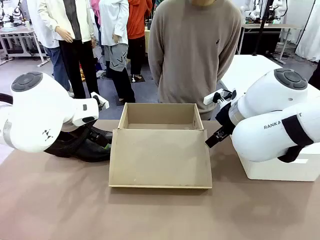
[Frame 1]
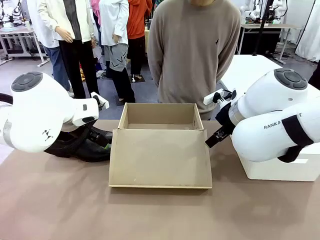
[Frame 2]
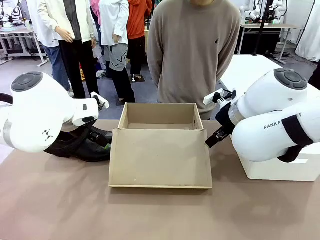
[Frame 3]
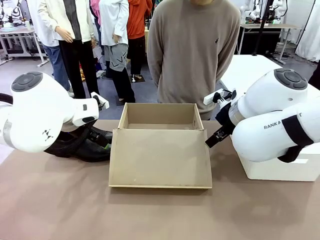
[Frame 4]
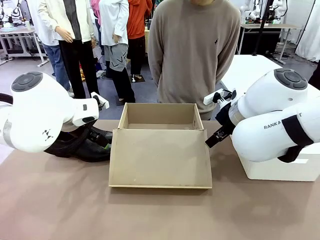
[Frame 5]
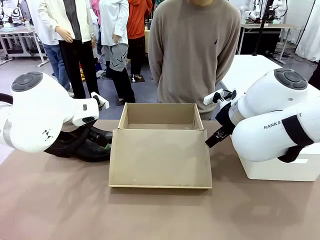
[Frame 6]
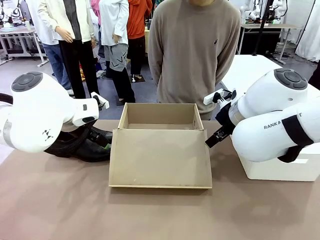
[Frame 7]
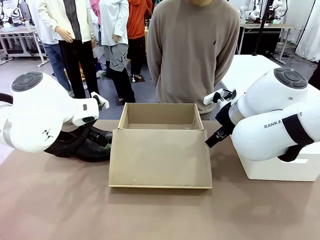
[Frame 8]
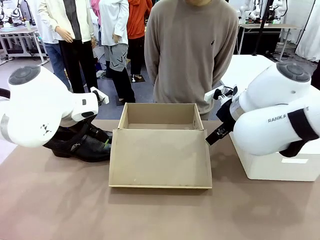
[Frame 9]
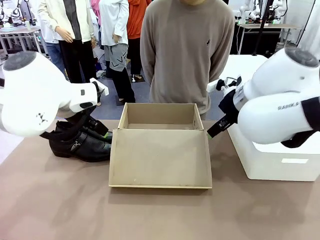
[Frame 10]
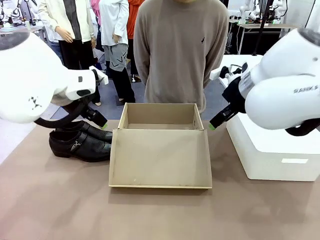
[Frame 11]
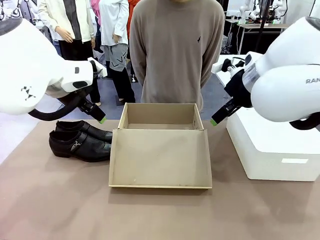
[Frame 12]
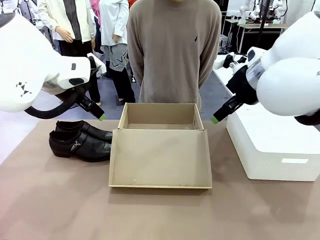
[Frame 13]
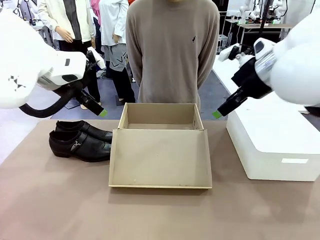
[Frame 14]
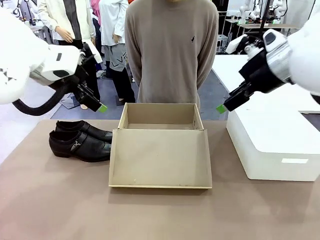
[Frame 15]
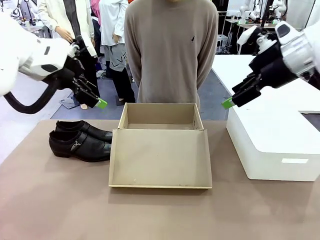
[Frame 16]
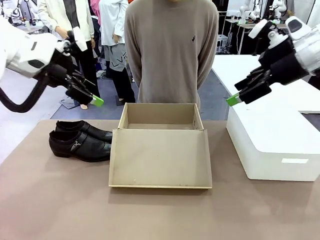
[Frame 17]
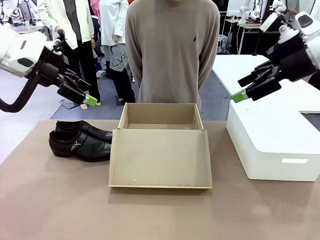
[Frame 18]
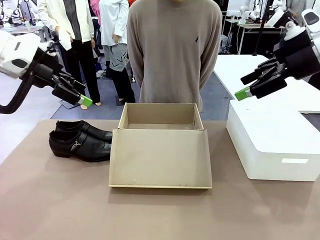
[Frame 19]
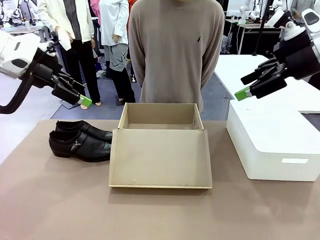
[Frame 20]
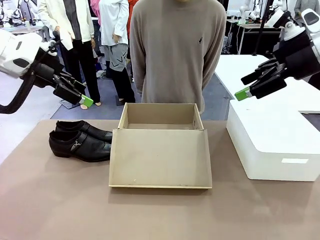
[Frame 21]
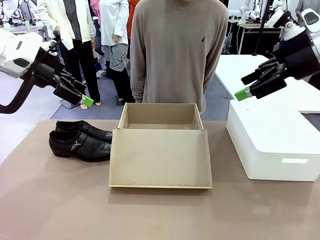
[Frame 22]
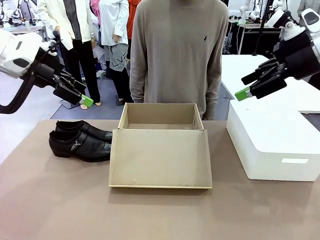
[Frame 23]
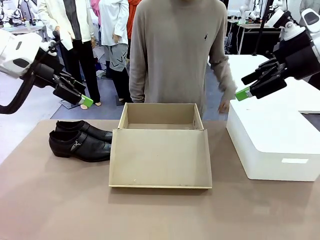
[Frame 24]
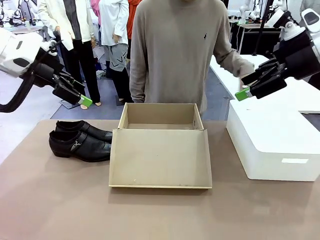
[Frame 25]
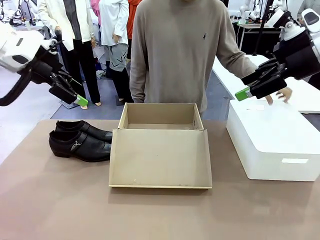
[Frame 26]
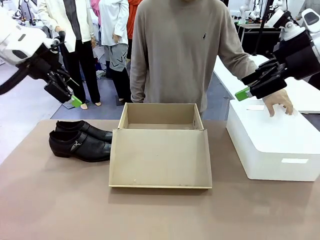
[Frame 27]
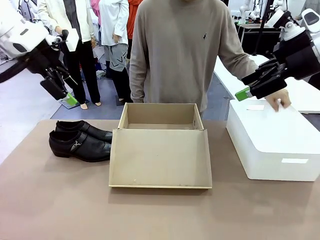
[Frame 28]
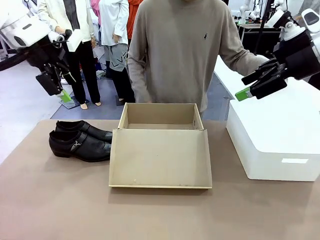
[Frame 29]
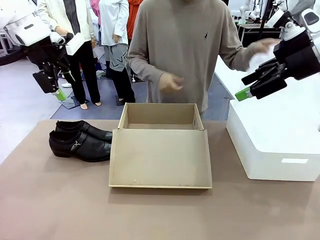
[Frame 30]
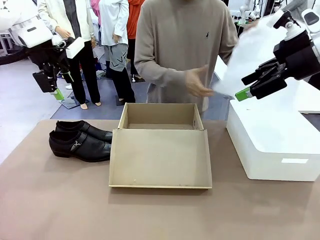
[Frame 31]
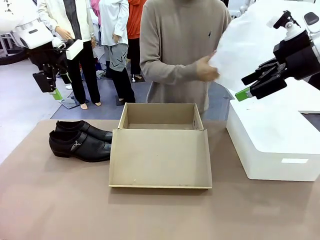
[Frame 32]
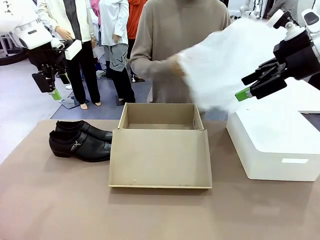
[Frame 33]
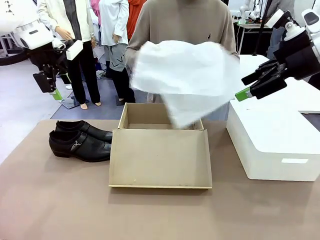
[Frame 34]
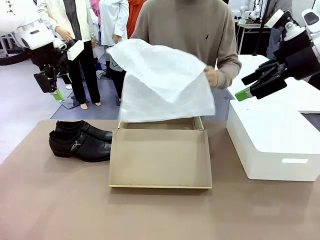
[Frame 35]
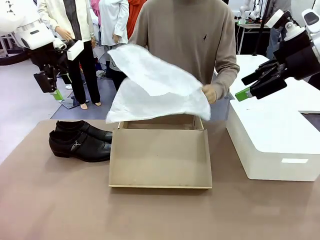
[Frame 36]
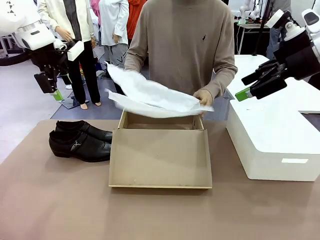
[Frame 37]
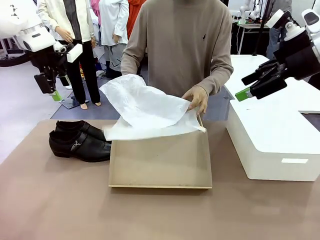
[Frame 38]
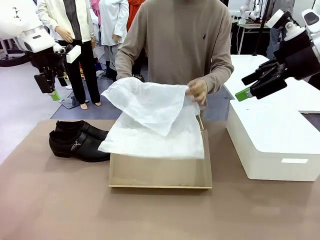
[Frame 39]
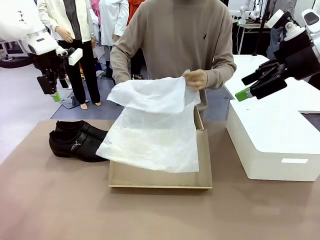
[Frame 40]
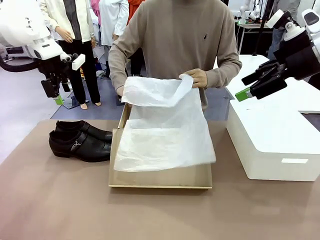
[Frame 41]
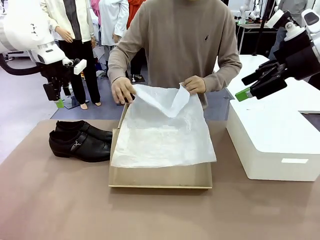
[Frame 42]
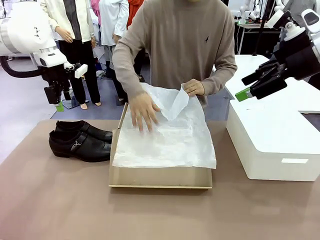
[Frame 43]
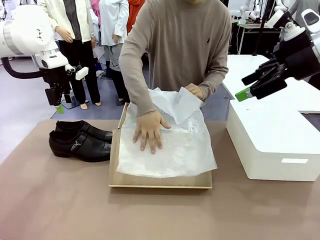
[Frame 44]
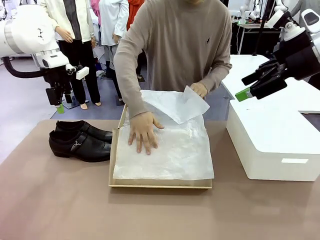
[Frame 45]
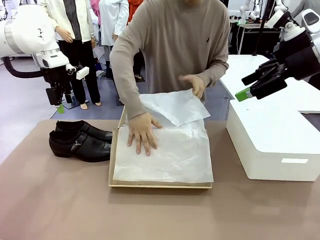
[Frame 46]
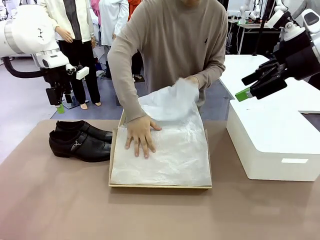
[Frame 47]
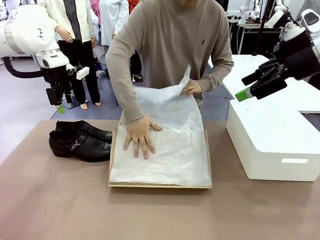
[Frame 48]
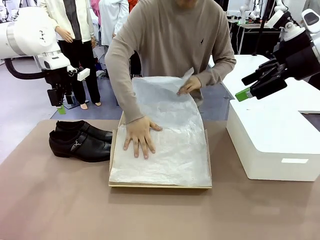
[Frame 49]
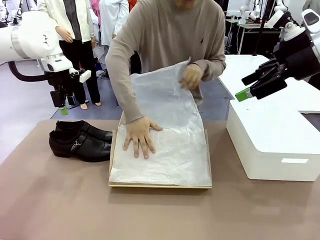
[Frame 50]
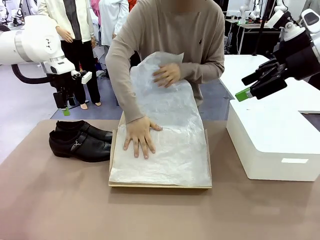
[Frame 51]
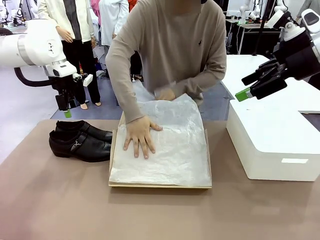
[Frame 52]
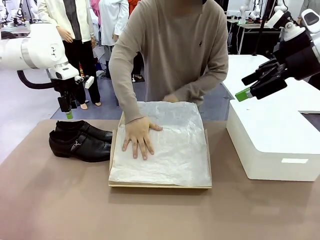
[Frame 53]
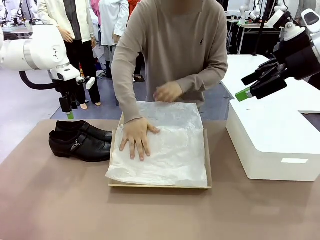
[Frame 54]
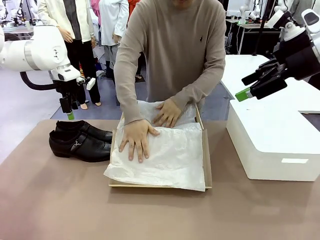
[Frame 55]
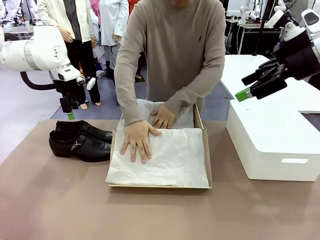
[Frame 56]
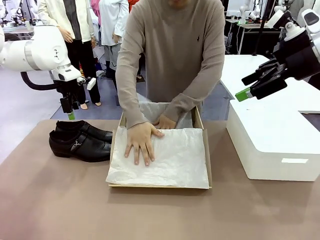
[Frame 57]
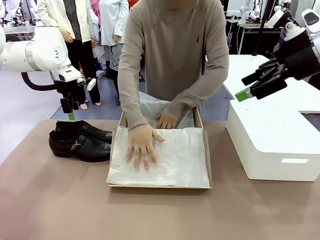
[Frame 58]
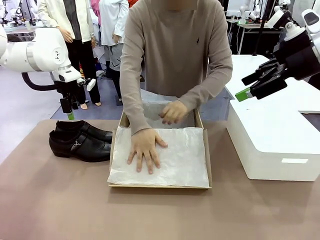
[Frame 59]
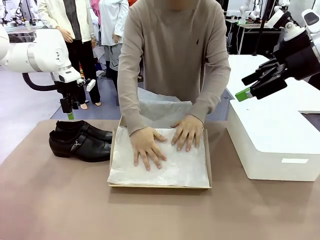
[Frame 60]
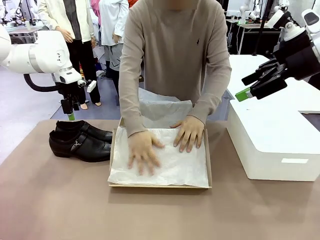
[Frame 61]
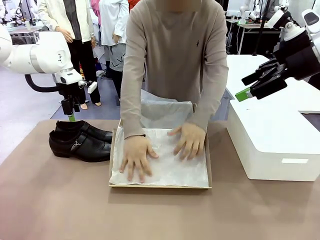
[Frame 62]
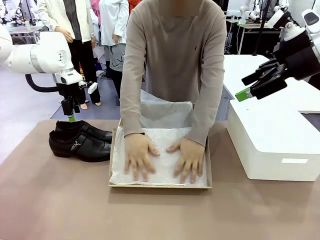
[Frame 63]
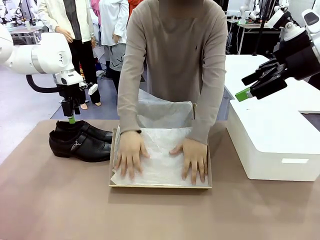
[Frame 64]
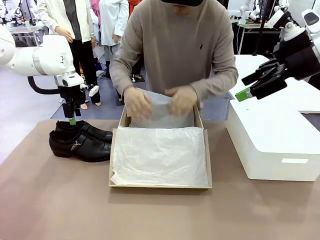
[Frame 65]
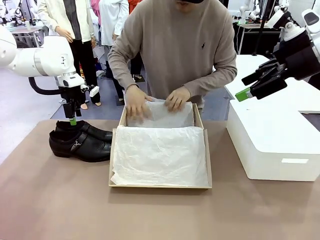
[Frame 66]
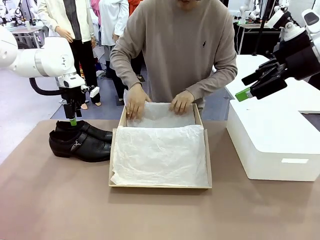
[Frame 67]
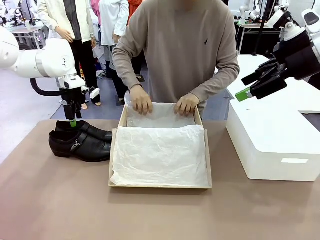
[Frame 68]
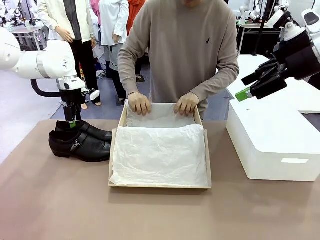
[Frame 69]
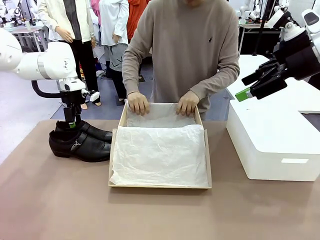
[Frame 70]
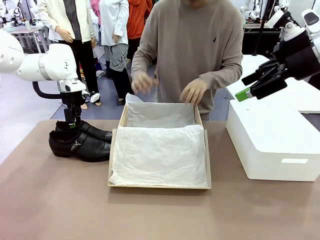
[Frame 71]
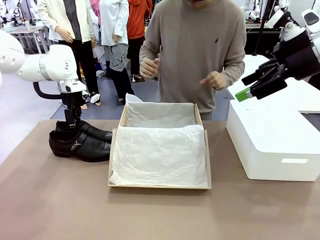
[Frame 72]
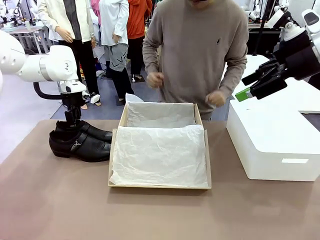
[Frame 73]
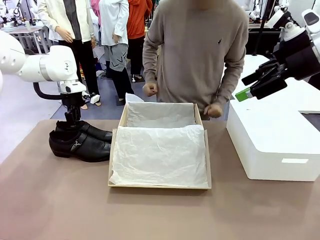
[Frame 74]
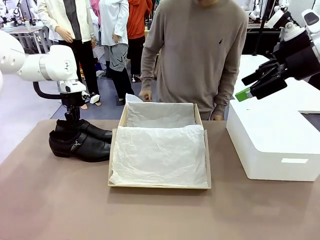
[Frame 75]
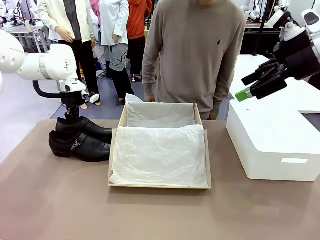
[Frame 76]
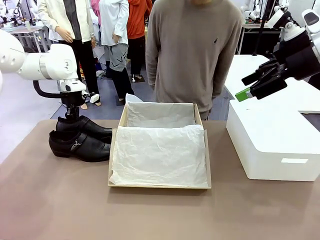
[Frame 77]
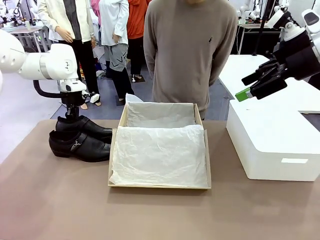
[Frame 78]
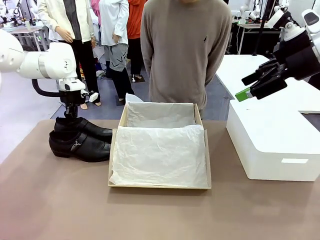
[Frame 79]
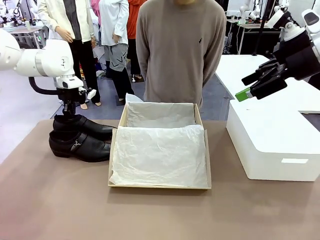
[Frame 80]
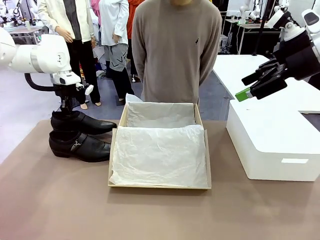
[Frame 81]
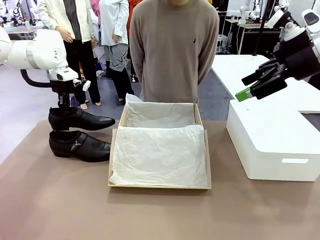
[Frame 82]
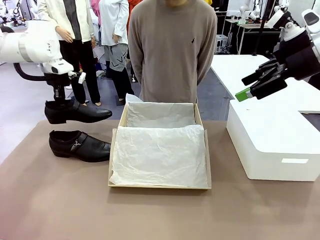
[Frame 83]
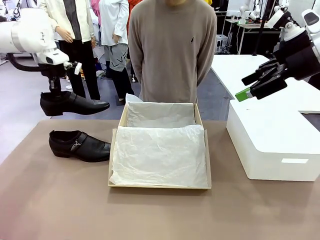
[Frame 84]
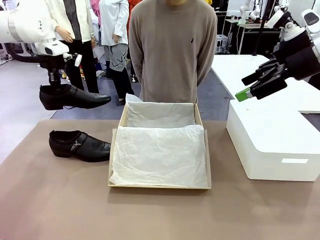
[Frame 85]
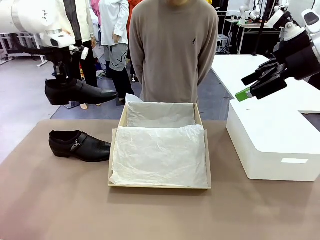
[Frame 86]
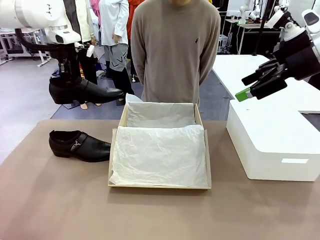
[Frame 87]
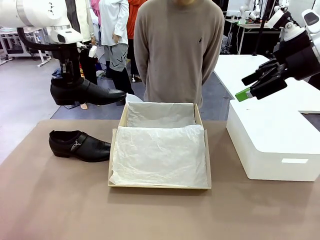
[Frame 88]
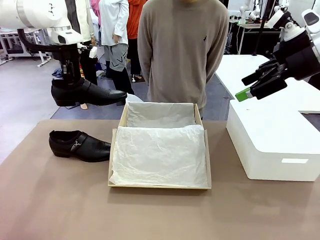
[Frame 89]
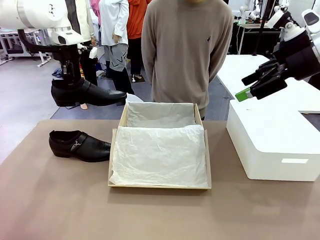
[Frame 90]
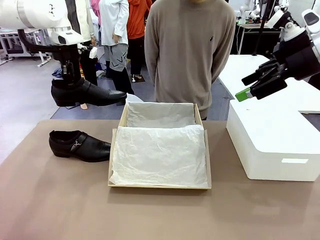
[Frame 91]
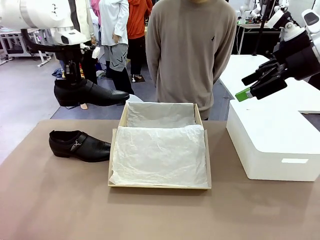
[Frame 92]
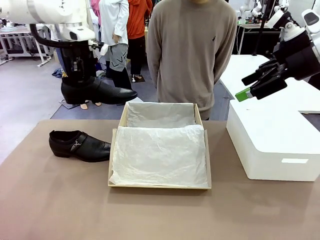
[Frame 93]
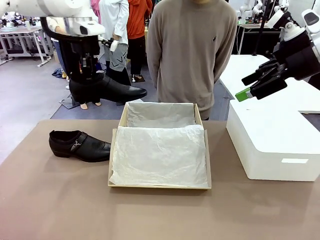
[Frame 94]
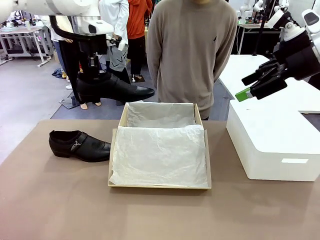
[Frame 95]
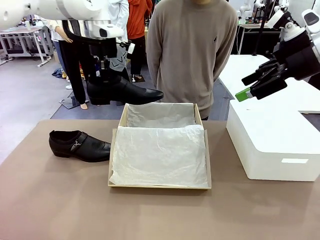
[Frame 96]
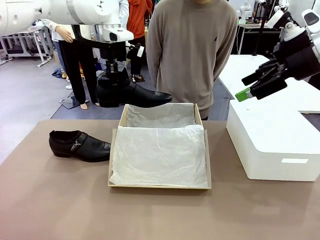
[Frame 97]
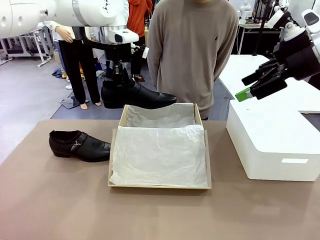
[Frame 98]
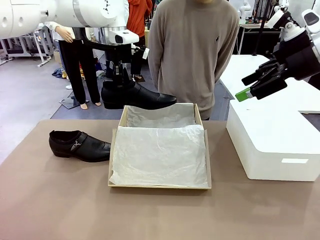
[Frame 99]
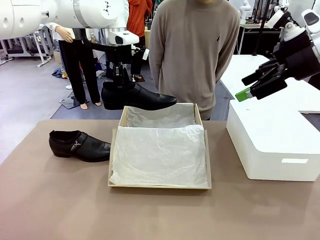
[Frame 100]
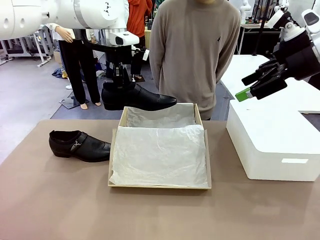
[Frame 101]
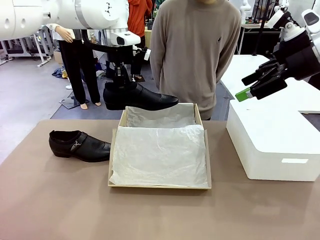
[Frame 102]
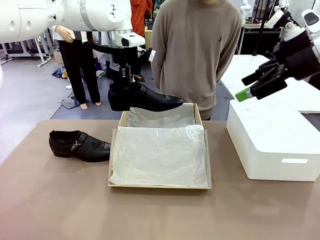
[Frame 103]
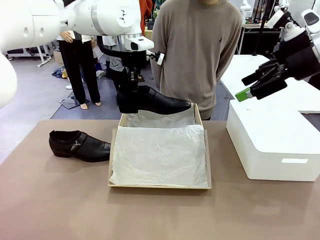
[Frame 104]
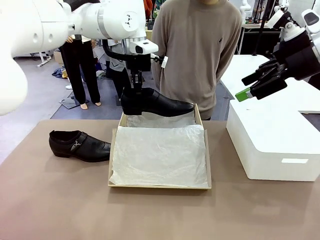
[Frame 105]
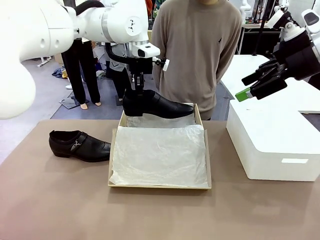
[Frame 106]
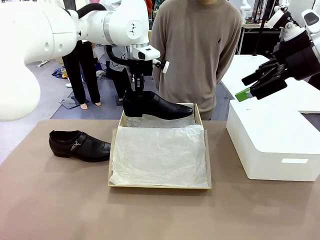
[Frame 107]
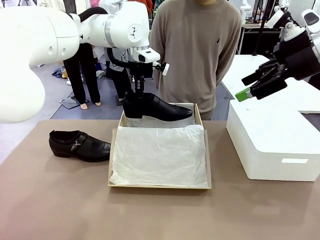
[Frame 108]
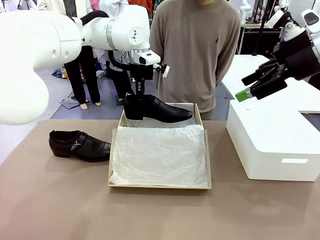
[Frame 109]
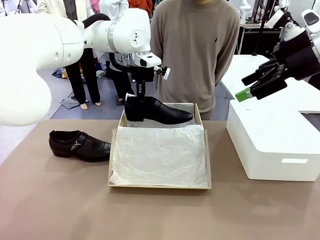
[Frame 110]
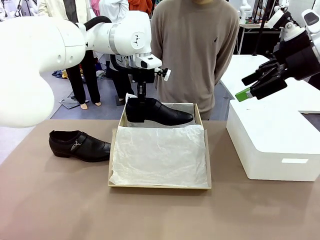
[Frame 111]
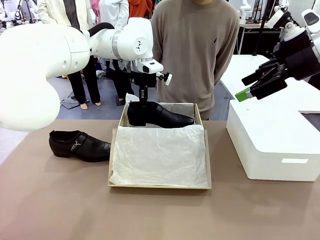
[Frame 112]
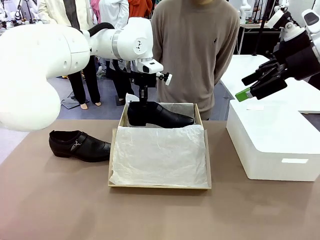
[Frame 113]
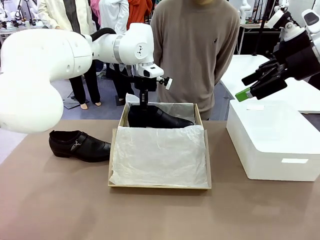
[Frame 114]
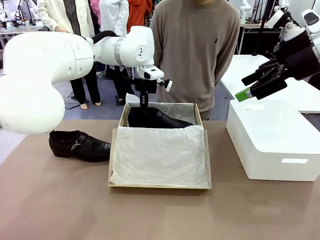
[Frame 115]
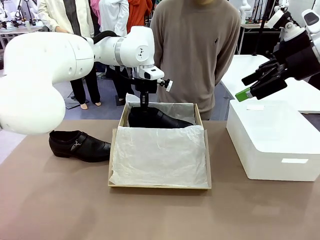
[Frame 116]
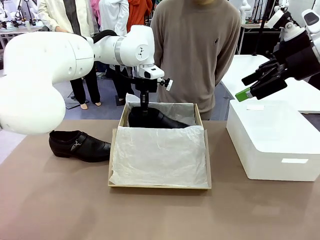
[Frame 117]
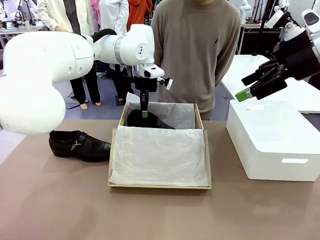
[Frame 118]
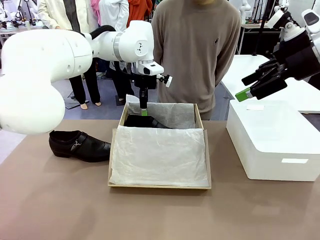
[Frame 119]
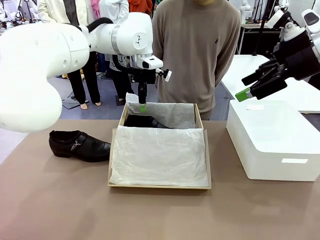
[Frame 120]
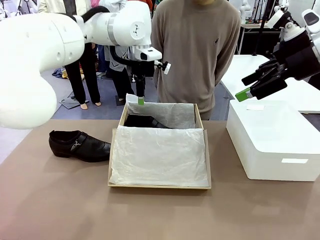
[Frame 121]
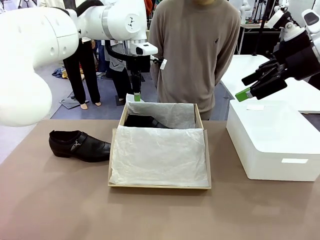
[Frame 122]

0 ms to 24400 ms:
Task: Pack the shoes into the box.
Robot: Place one shoe of the Shoes into the Shoes Box.
Person: Spread Shoes Wrapping Paper and place inside the Shoes Box.
